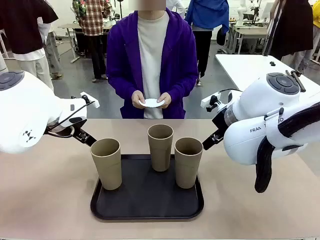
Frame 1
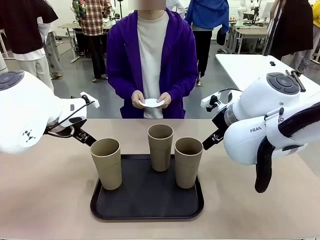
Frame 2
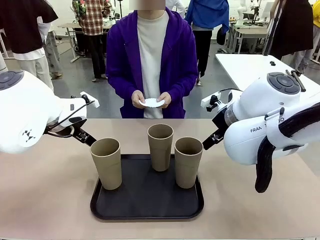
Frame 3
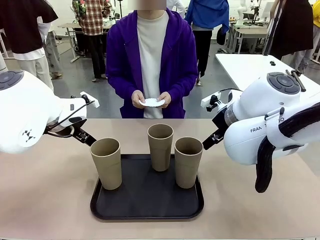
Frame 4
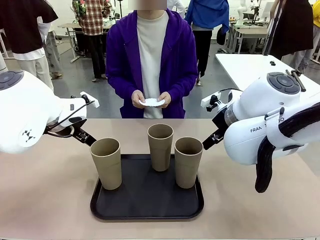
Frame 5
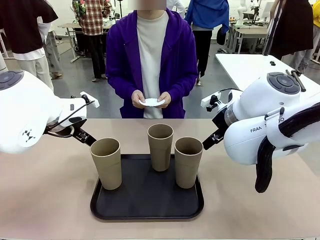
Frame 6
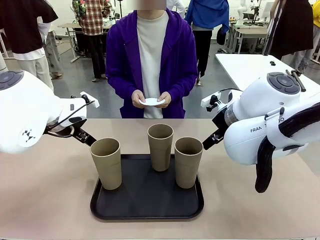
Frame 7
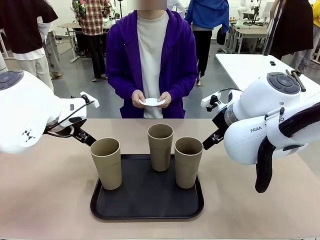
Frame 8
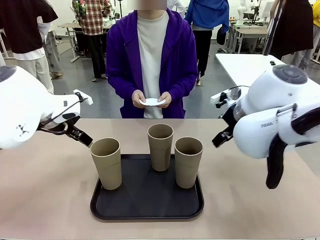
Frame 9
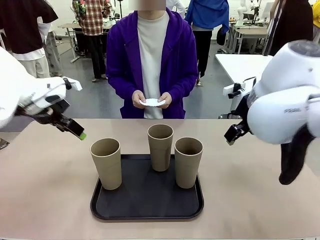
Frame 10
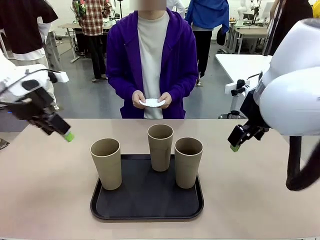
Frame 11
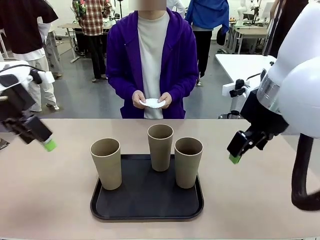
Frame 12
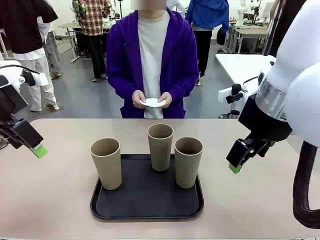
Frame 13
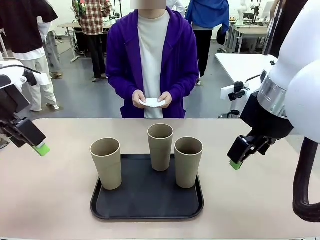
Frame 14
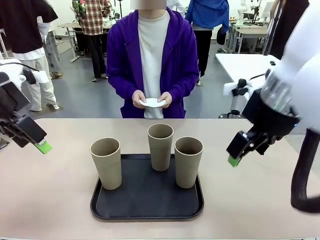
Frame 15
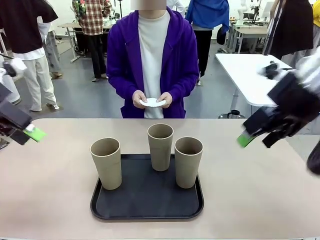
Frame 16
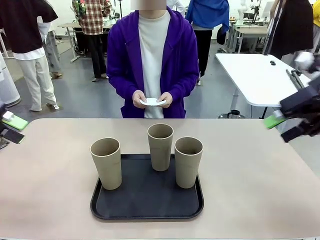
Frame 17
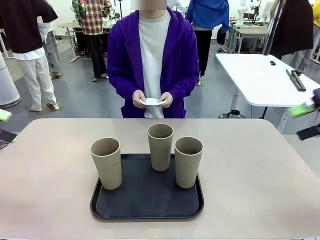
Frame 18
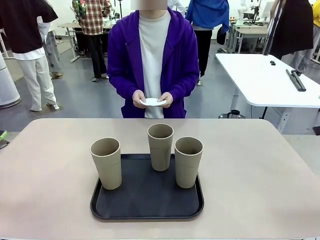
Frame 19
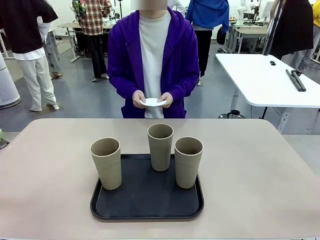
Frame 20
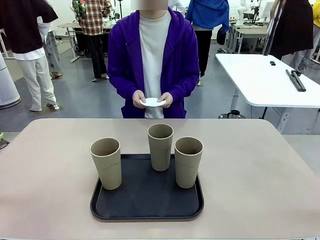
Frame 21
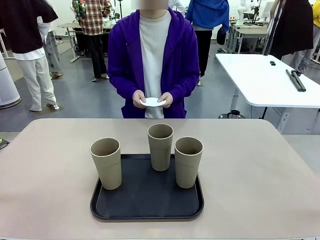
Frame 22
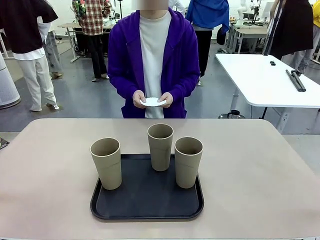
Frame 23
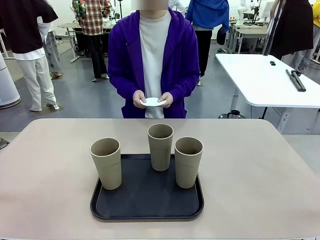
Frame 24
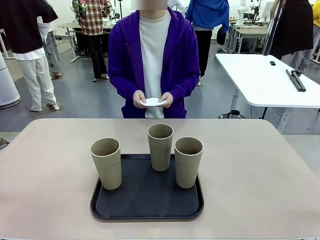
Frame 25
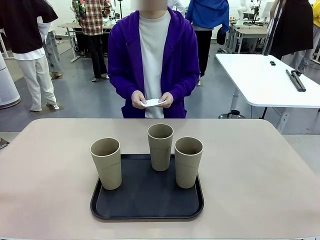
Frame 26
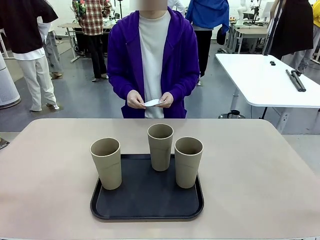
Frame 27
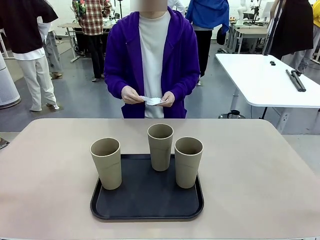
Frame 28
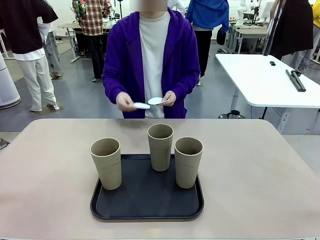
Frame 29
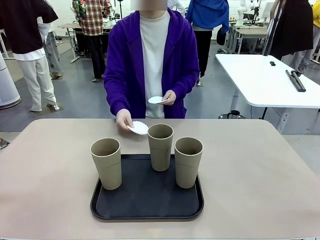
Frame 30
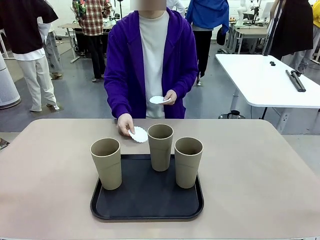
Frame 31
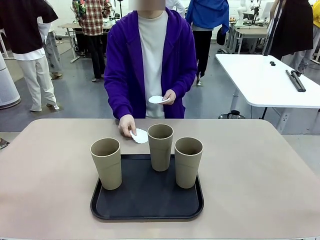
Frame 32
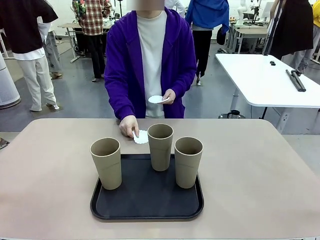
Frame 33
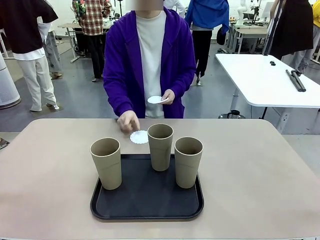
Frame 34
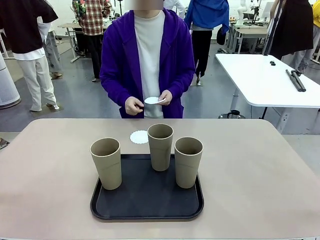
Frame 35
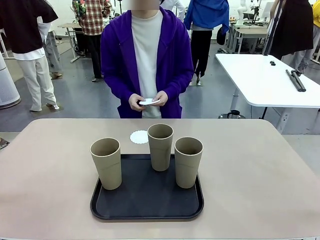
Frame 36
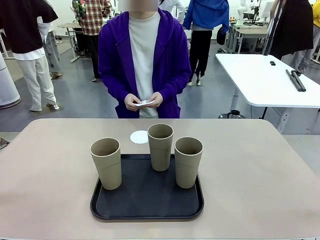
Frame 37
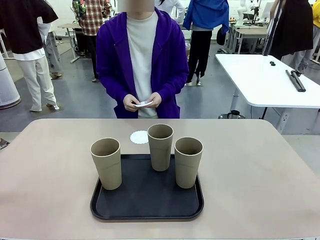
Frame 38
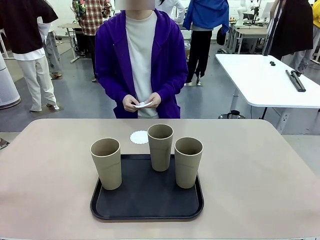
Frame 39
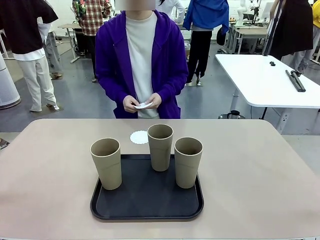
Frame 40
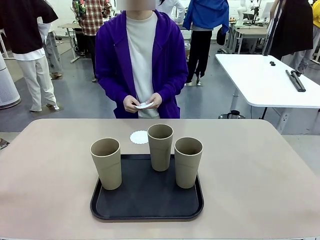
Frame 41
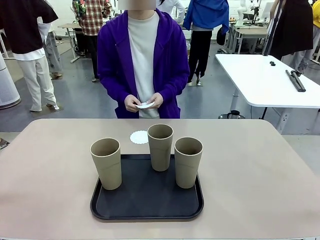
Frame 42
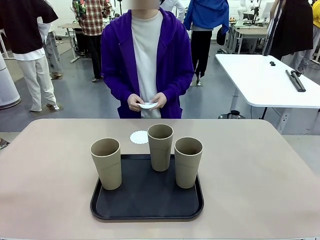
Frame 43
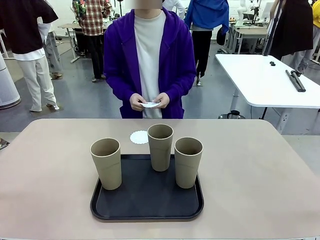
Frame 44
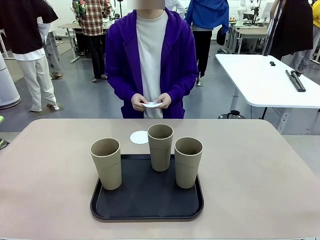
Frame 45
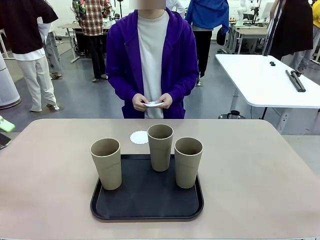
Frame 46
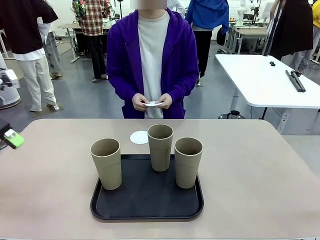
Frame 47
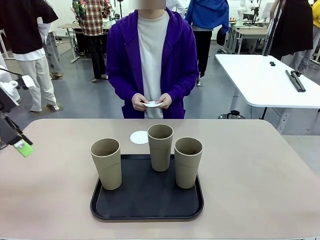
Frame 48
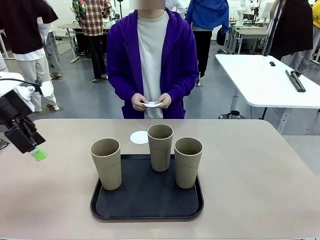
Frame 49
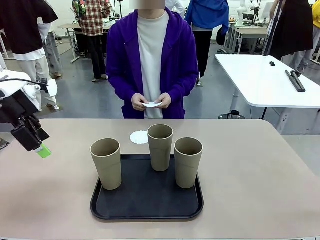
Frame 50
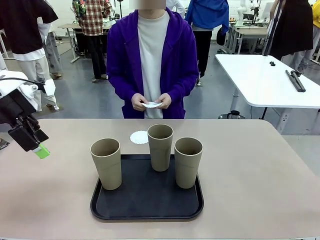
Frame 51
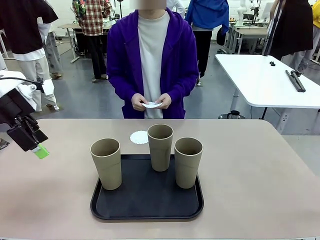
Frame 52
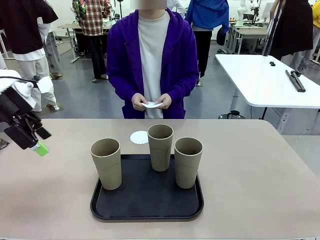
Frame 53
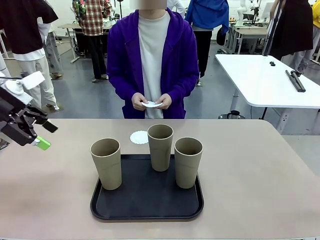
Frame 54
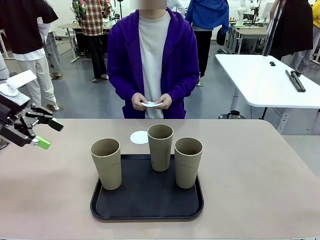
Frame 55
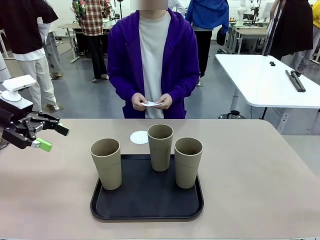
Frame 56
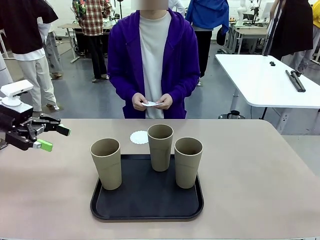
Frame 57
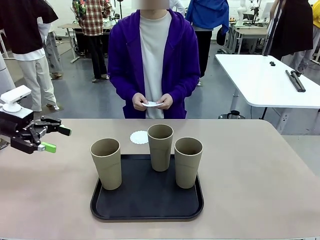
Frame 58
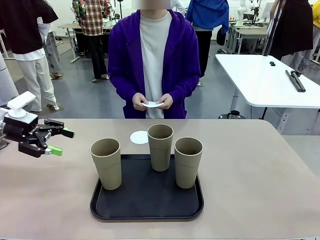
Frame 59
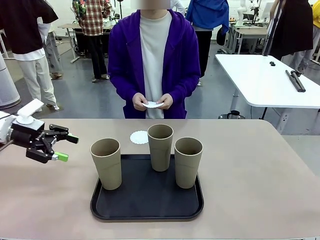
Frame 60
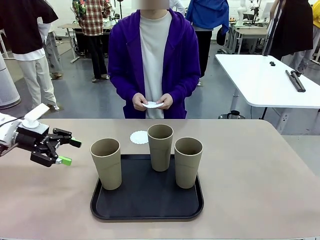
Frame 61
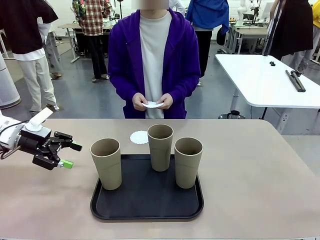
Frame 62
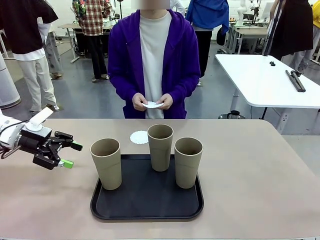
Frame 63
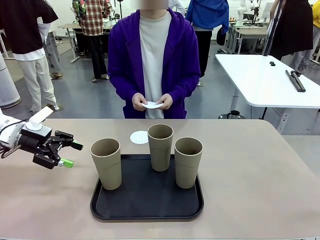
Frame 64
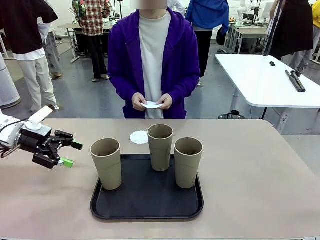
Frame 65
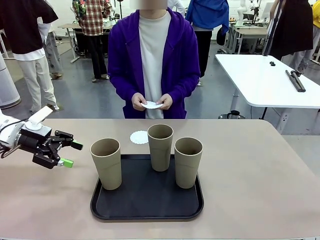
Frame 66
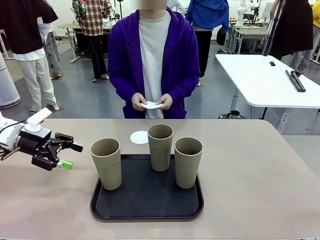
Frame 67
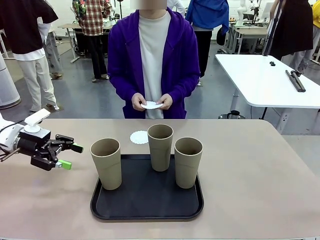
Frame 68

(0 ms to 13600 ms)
Task: Place coasters on the table and set cups on them.
Robot: Pick up one Reusable plastic cup and place it on a coaster set by the human.
Person: Place one coaster in any one of the three lower areas of the robot table (left, center, or right).
